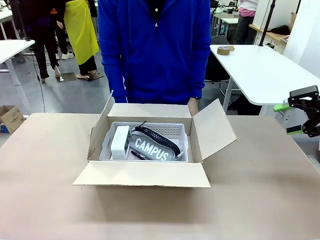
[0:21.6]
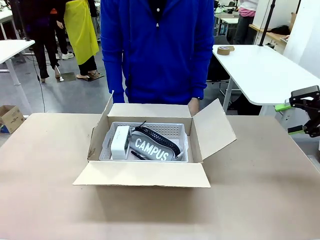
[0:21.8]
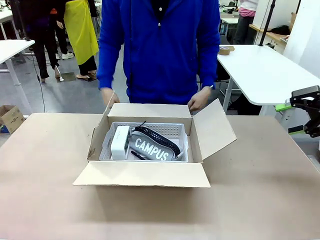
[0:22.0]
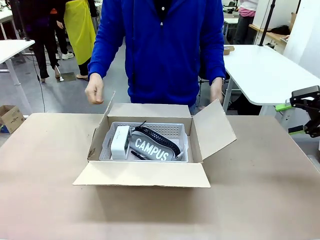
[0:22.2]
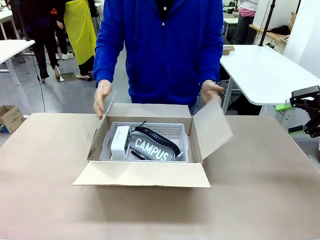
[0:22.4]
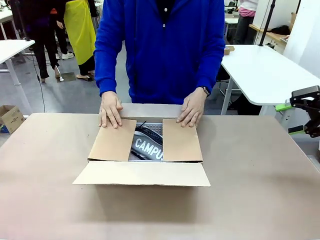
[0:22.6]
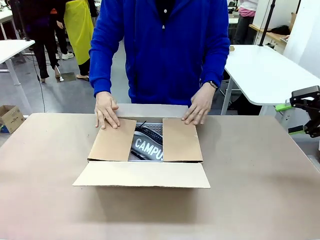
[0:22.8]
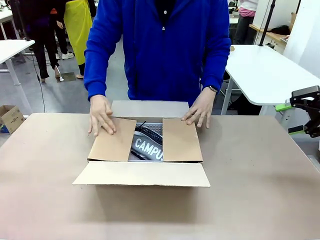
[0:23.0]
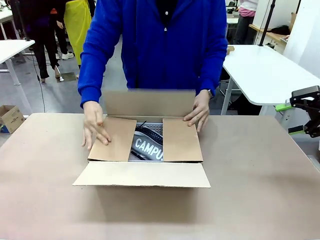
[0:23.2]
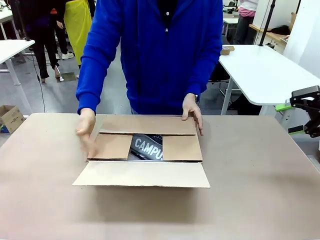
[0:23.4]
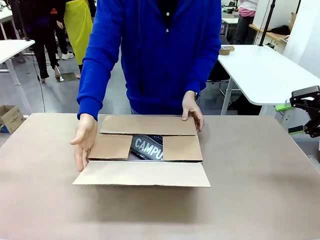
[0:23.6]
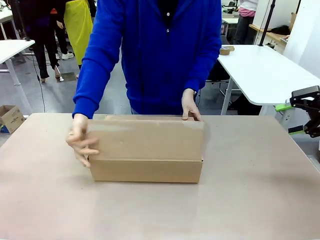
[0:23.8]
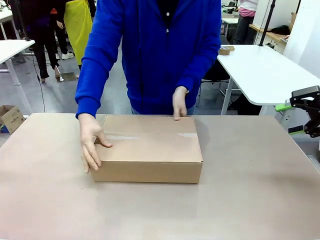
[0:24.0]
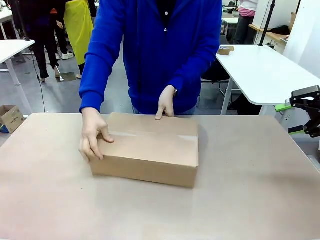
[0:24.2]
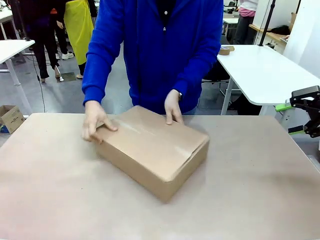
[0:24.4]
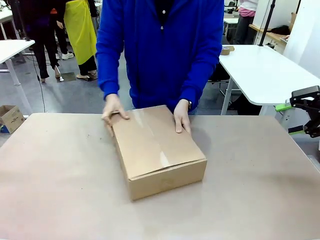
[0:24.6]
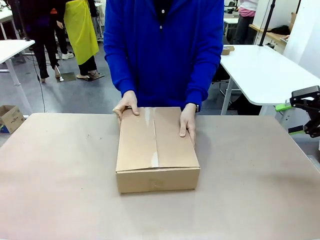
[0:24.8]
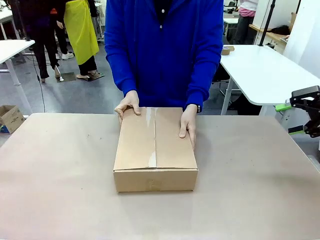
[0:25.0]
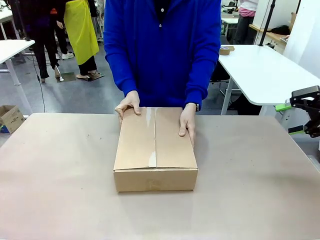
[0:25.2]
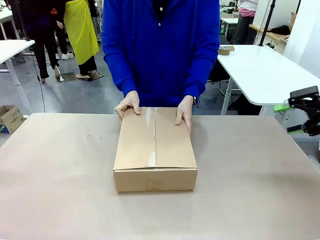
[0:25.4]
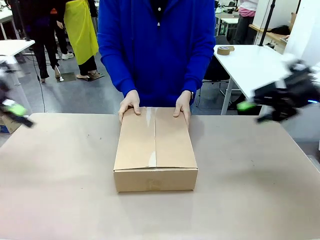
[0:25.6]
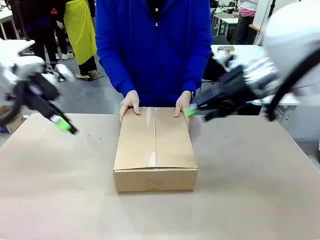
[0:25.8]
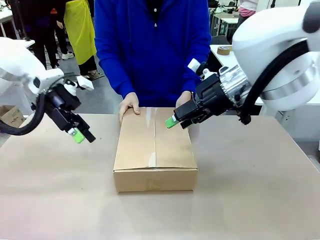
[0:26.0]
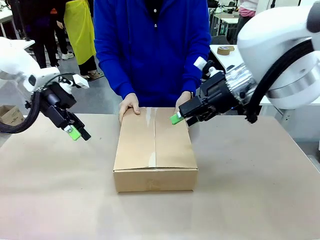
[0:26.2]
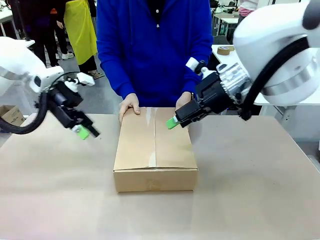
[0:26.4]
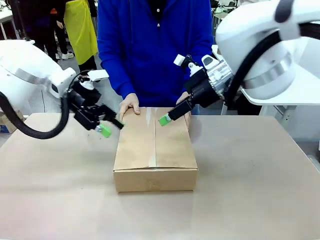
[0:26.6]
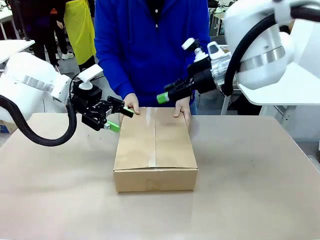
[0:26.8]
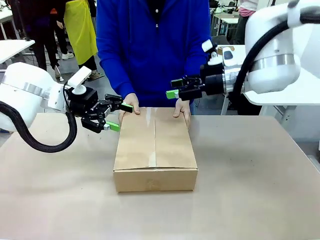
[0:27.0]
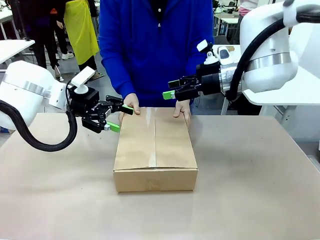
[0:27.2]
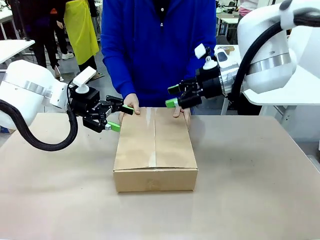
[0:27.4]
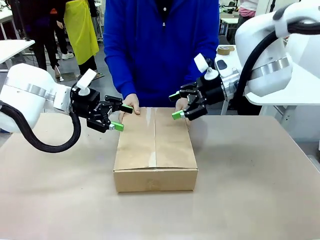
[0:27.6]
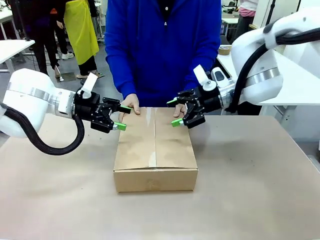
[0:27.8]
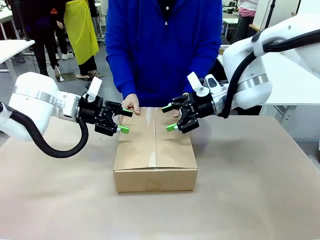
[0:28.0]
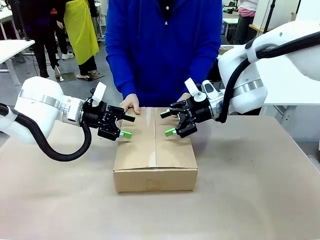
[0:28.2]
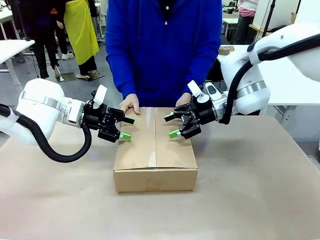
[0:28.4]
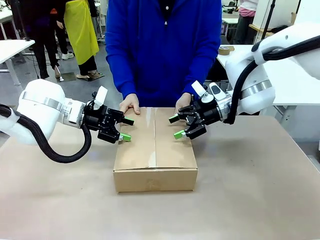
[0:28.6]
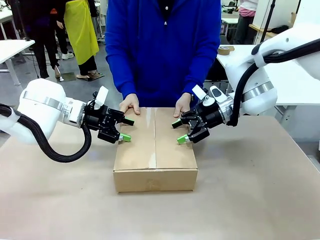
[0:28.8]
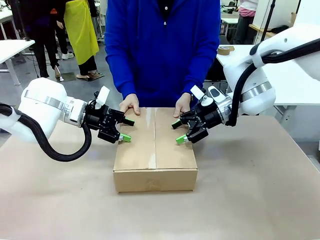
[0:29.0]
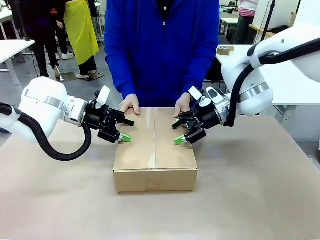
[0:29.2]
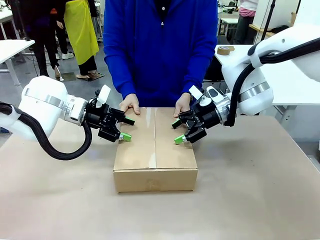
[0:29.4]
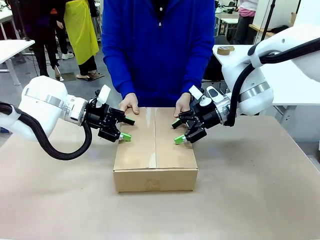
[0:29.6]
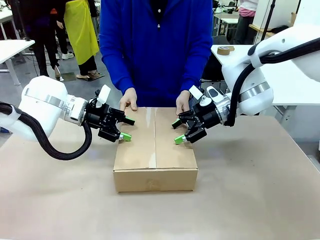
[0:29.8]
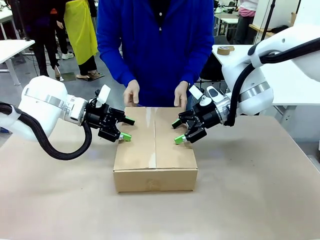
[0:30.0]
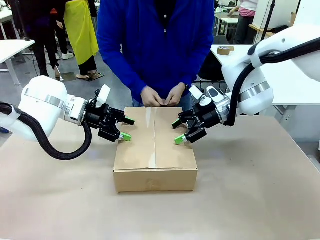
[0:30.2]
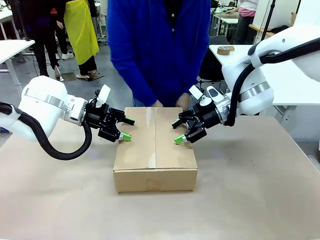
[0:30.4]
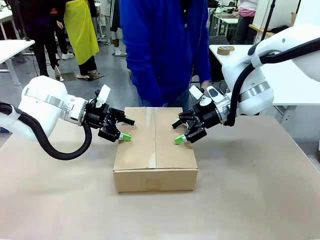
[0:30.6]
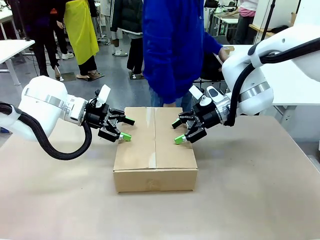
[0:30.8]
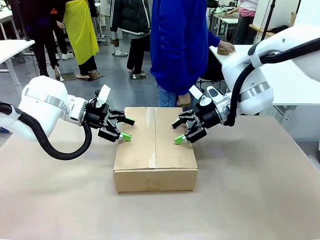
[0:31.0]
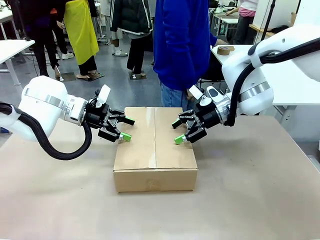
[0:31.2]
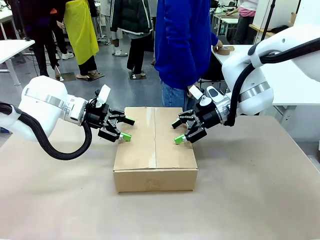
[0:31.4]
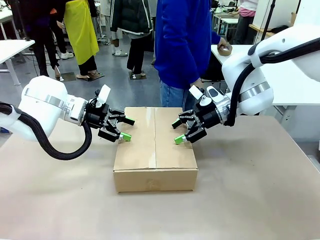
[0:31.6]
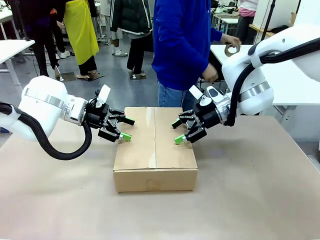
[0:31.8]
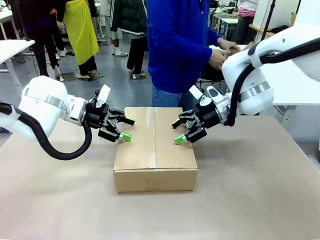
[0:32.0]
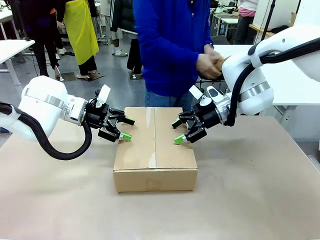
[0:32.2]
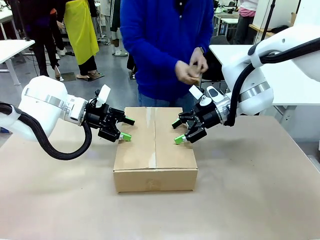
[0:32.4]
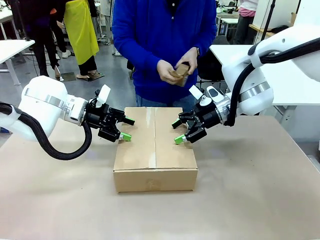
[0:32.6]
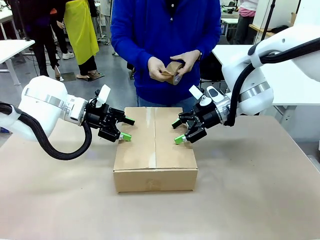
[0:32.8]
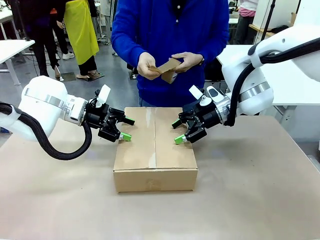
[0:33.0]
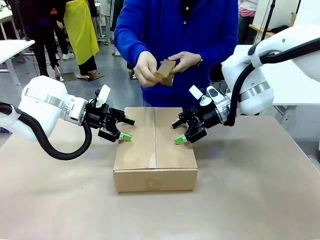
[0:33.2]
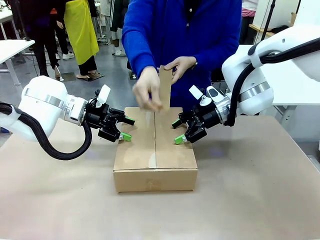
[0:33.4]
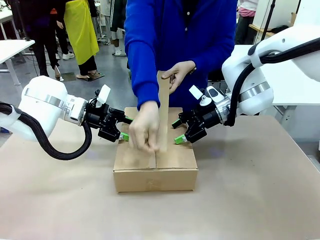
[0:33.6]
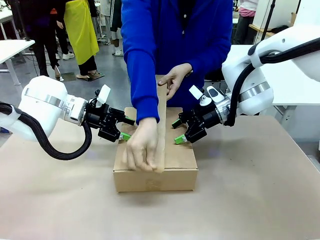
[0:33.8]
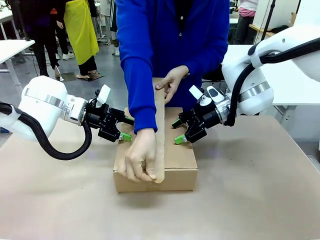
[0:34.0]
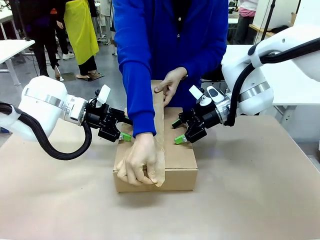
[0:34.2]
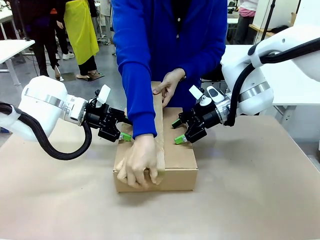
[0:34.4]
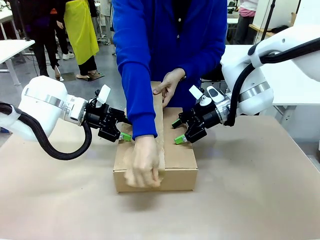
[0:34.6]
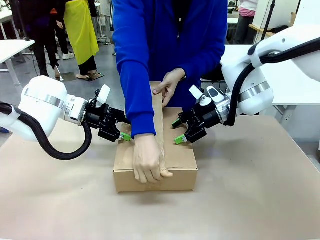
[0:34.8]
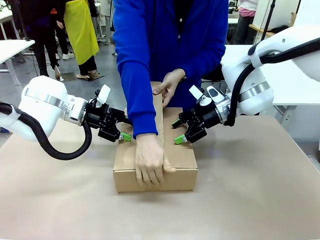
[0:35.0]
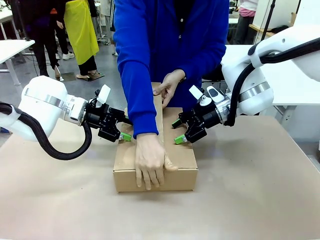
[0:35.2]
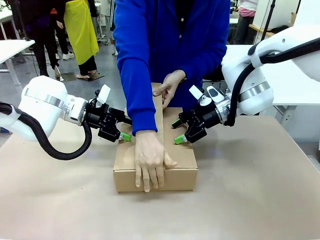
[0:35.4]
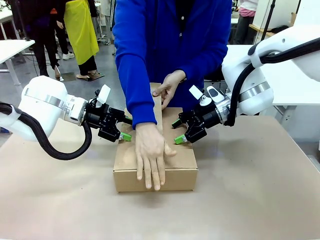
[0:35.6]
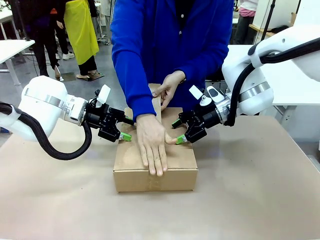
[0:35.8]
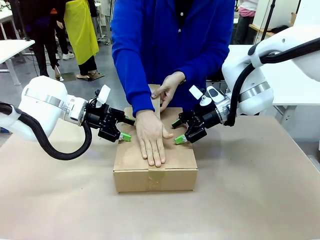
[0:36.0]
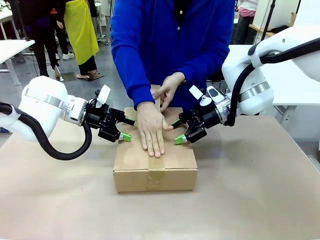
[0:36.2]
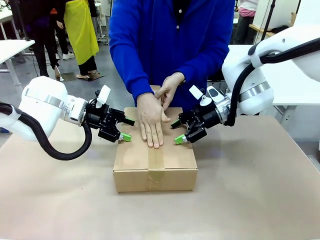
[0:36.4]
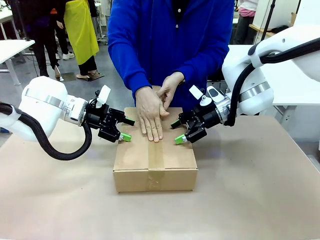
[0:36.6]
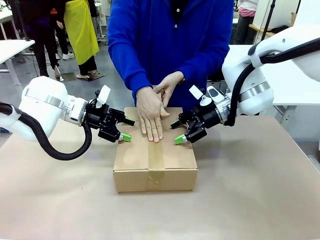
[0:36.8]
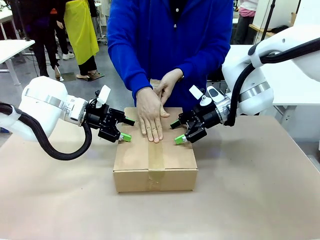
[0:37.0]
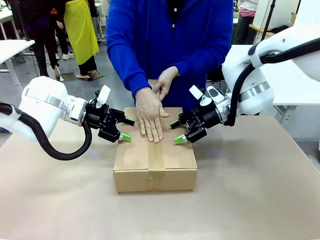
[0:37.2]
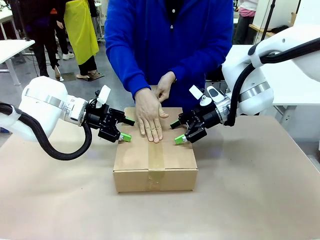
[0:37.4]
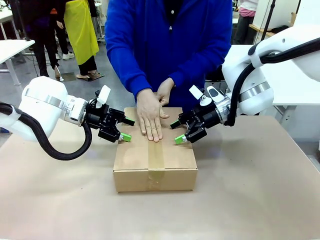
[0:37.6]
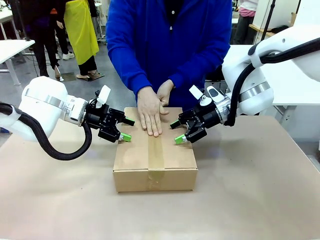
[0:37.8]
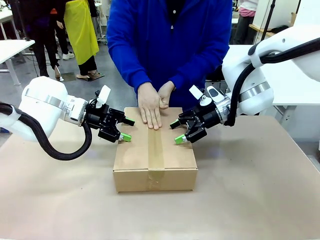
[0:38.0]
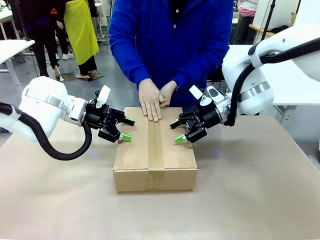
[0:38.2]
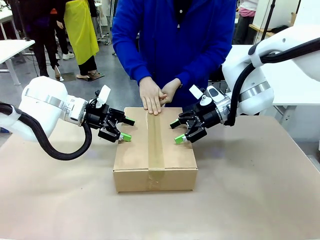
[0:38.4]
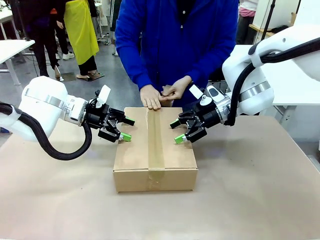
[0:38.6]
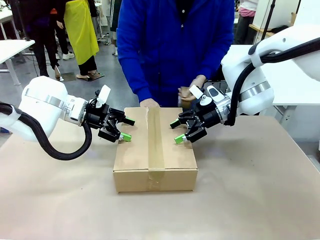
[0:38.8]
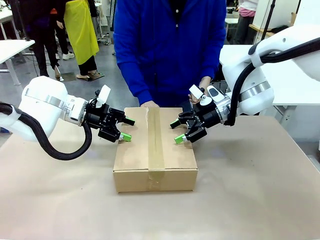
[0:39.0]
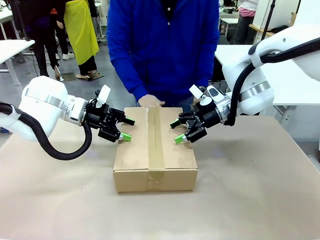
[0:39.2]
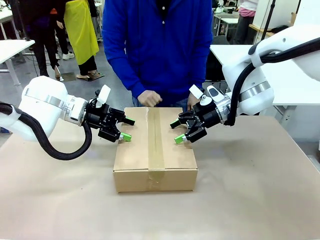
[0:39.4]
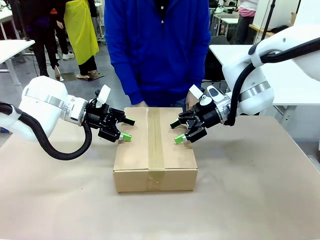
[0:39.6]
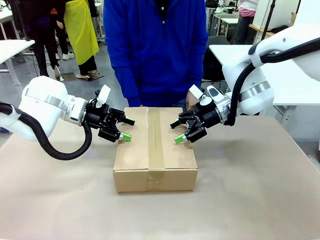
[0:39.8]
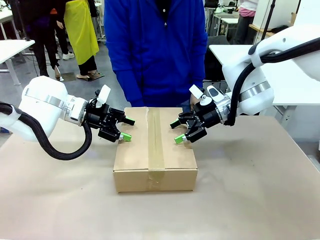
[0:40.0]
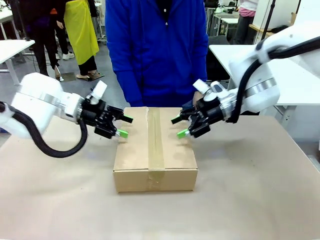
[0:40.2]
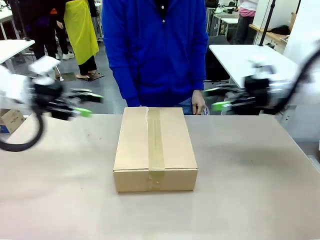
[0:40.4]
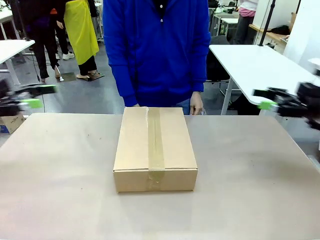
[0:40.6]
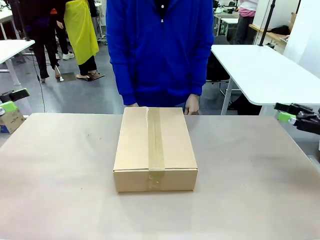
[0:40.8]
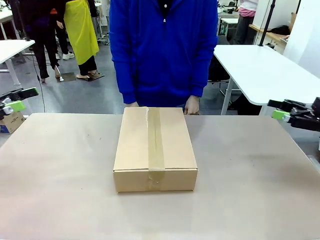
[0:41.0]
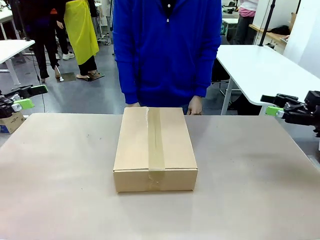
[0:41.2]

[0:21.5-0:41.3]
Task: Pack the gift set into the box.
Robot: Press and hold the closed box until the human finishes sealing it.
Person: The human closes the box and rotates the box by 90 degrees. The human picks up the paper tape from the human table and packs the box.
